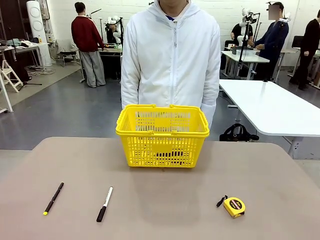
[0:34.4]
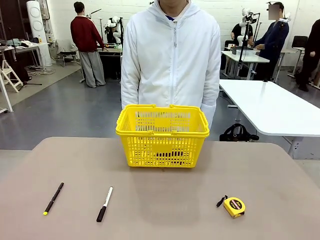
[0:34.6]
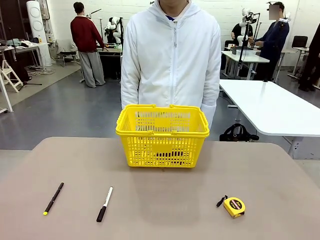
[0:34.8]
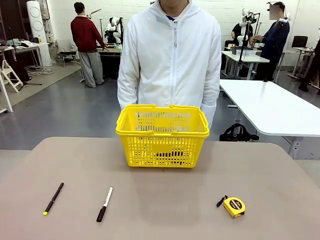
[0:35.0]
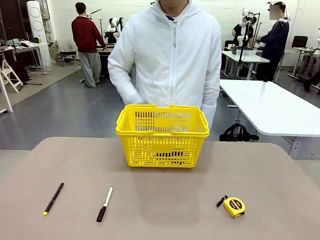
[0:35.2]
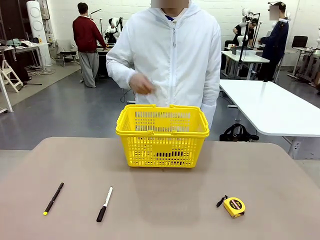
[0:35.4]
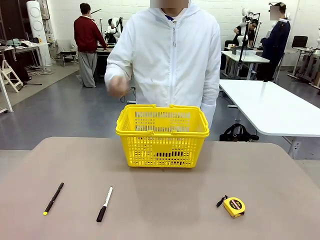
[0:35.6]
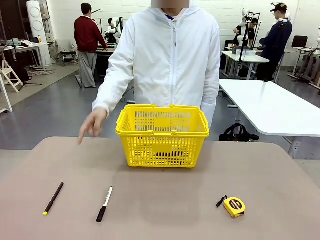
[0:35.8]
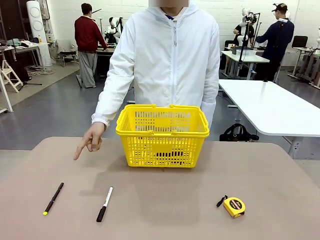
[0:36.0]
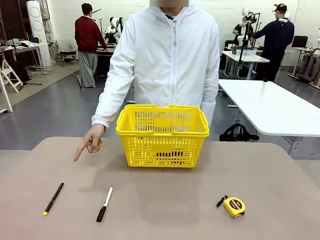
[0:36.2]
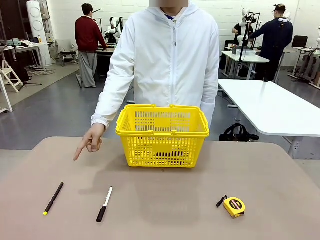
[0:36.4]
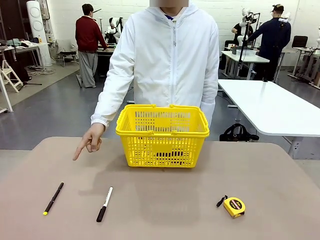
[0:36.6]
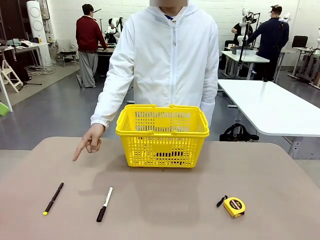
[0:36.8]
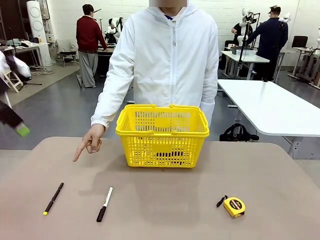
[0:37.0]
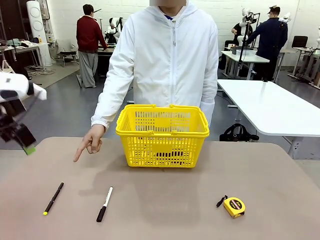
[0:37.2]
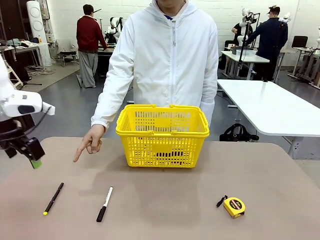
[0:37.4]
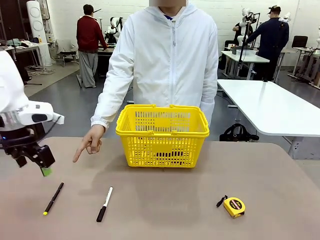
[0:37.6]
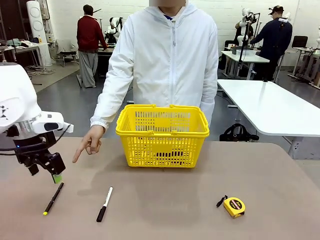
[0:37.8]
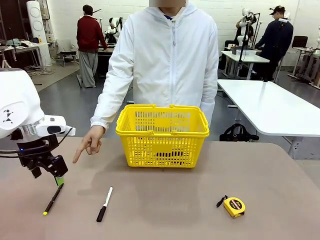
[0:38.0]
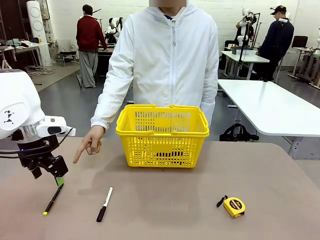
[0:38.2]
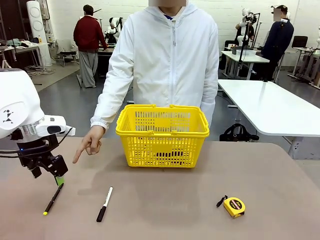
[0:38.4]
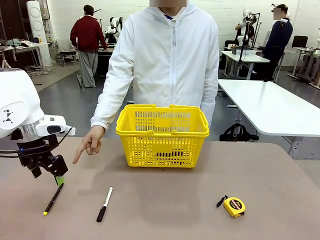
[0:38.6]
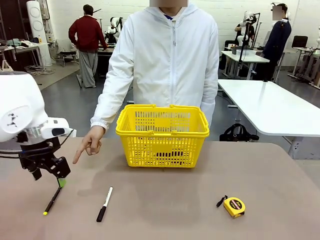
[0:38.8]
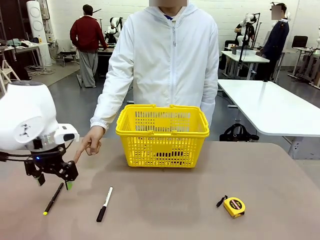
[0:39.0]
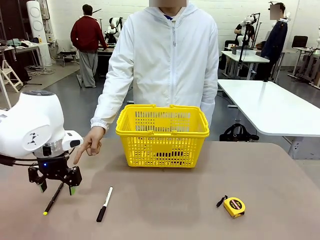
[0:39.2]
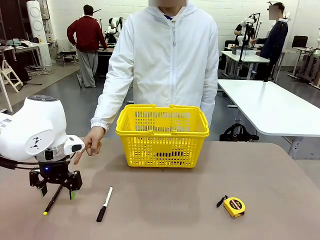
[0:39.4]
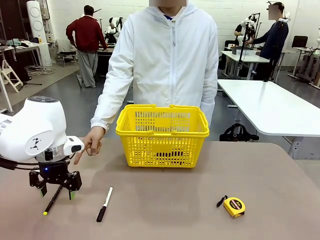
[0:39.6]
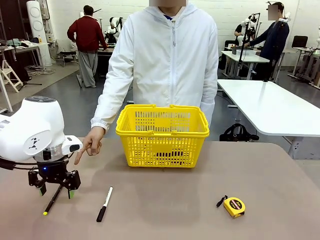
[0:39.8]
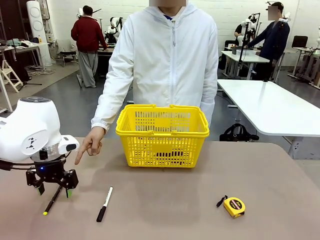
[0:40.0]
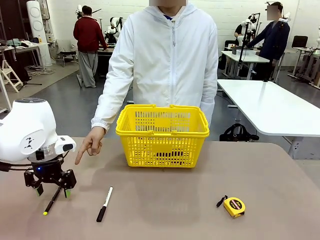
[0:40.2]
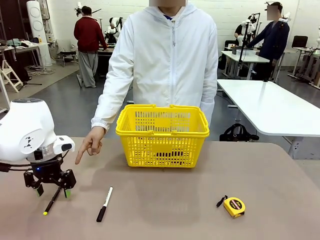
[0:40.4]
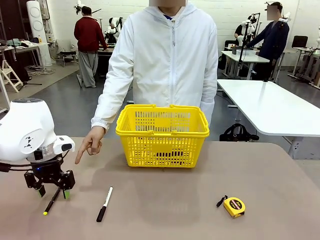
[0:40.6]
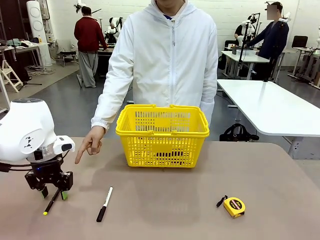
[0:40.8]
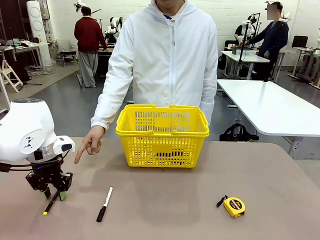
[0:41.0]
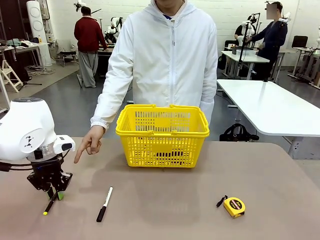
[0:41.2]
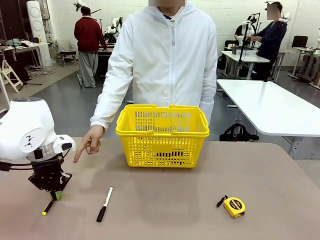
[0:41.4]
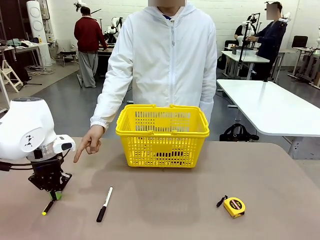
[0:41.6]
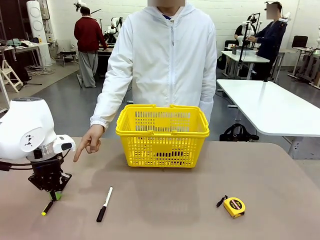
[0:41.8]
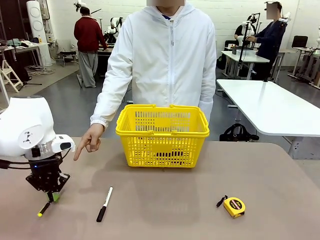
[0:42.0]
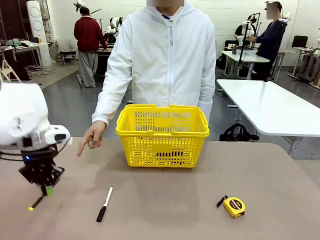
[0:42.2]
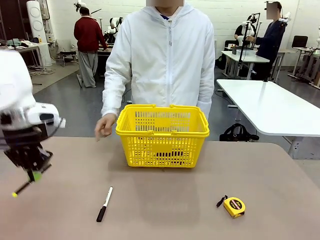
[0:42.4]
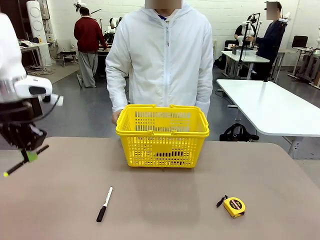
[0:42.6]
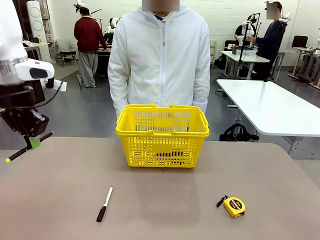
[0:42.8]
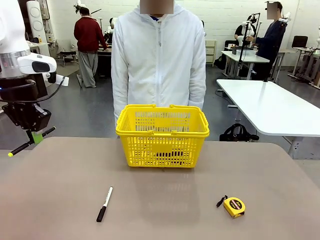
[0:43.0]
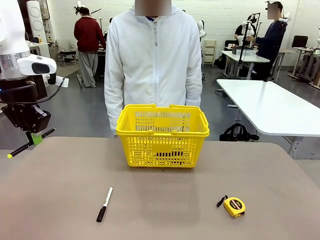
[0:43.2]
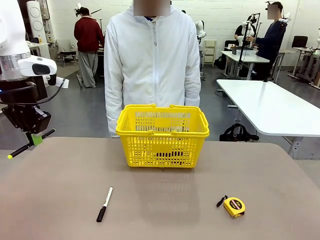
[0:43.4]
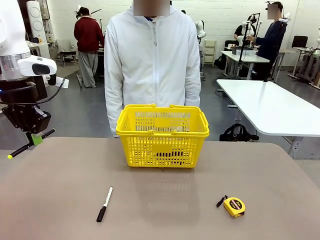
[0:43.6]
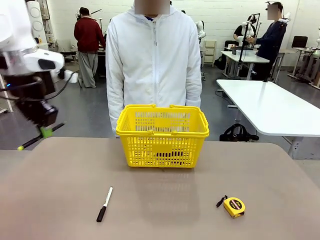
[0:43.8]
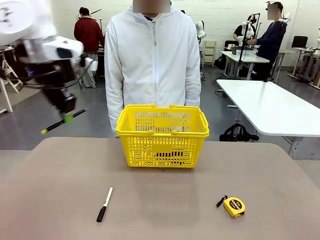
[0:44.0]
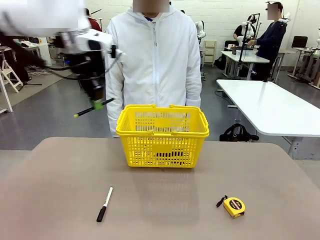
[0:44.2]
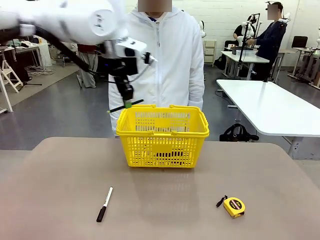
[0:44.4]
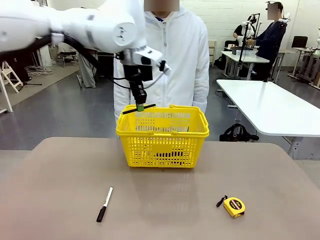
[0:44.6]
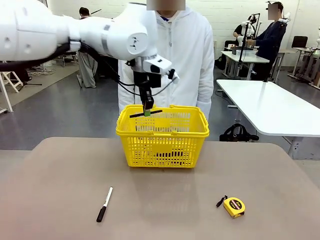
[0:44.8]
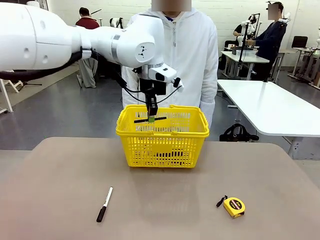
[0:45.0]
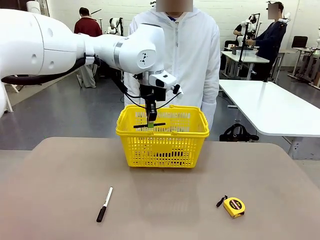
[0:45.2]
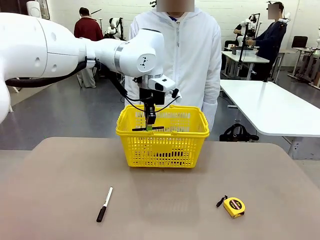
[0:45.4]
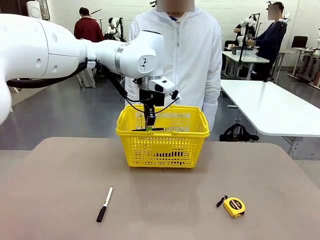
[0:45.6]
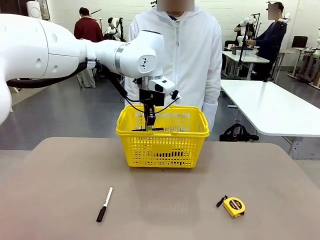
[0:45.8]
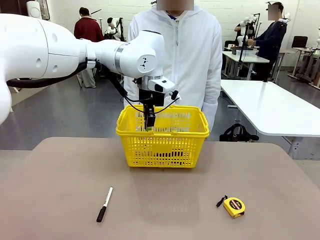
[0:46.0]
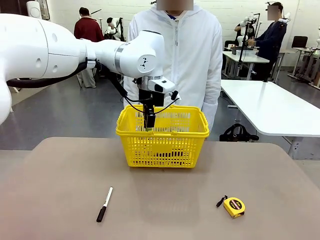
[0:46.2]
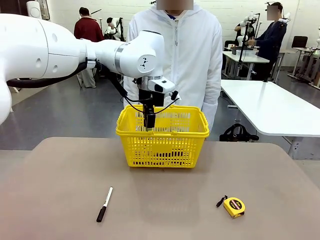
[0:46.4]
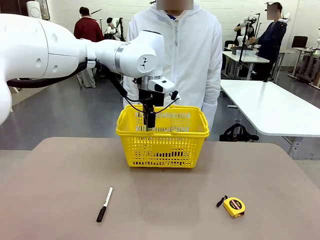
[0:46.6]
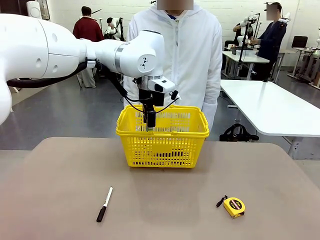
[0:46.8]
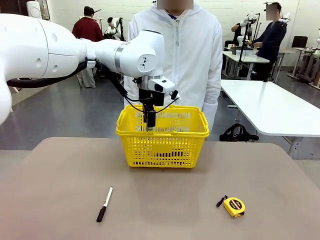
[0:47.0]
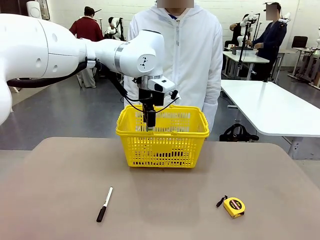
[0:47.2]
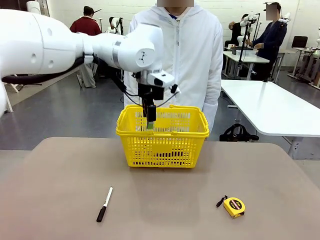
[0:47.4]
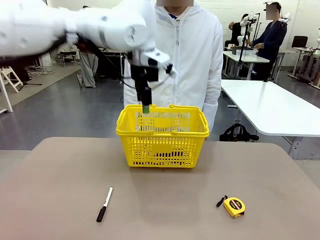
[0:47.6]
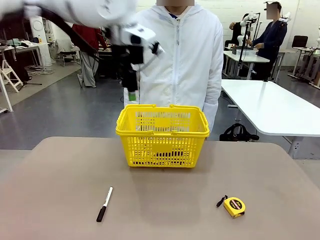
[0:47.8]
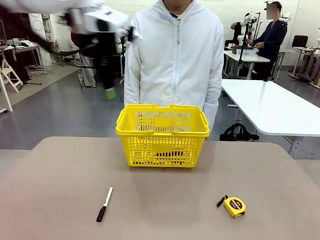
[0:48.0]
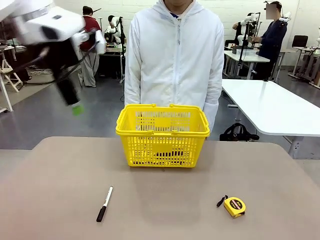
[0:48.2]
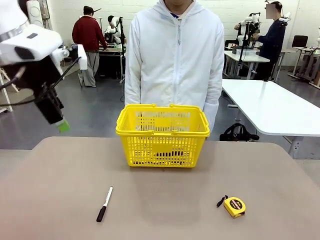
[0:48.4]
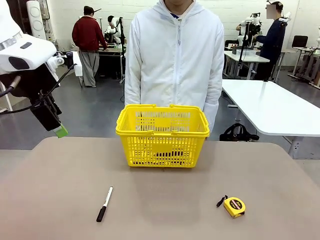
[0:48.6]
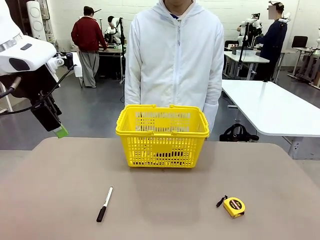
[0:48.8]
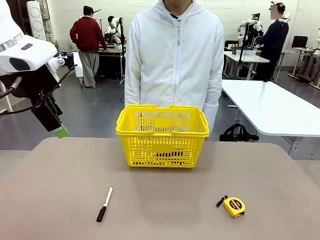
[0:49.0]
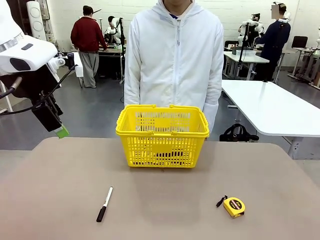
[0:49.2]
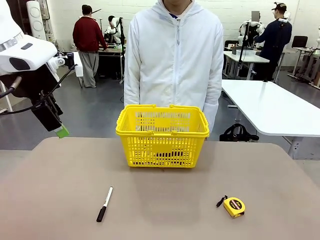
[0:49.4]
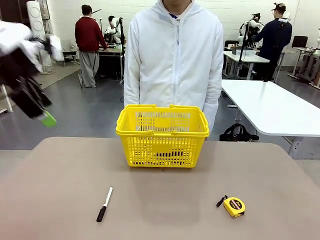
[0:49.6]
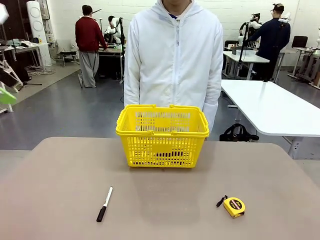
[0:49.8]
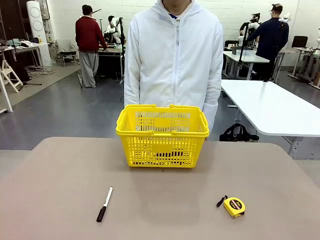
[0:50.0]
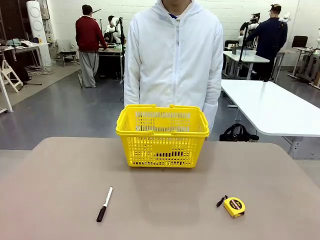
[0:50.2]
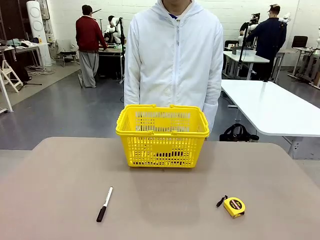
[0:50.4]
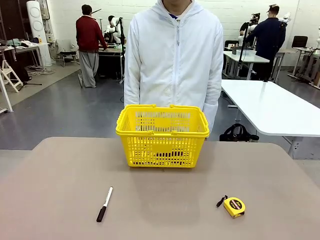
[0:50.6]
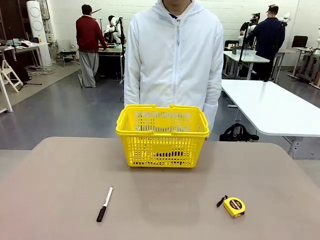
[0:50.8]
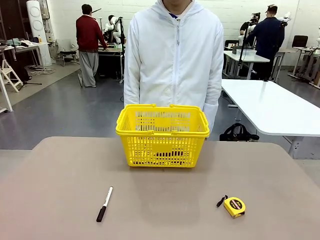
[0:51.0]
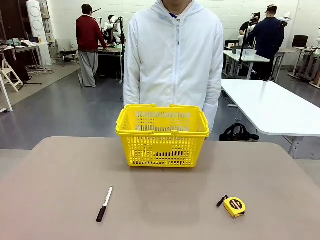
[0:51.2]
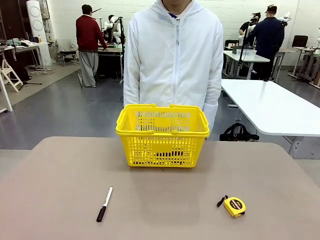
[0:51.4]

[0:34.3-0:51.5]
Task: Place the items the person wants into the basket.
Robot: Pick up the item the person points to and place it in the Market Basket.

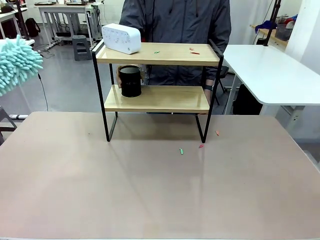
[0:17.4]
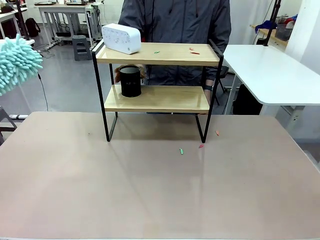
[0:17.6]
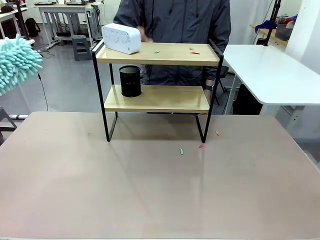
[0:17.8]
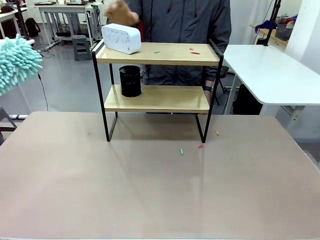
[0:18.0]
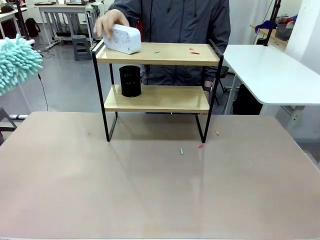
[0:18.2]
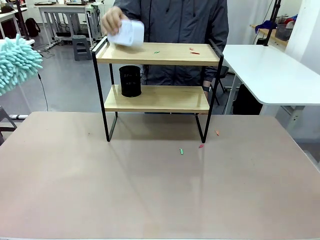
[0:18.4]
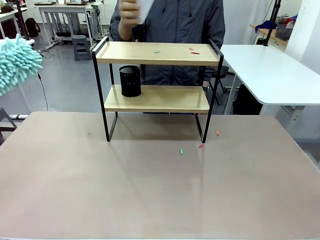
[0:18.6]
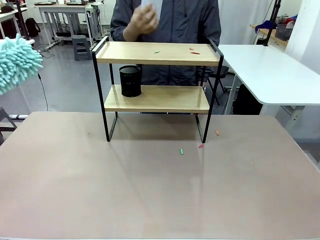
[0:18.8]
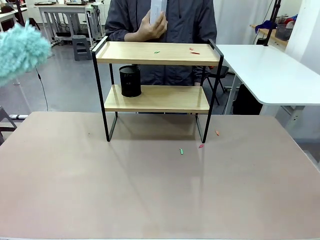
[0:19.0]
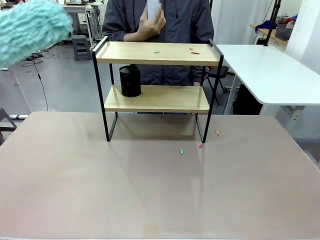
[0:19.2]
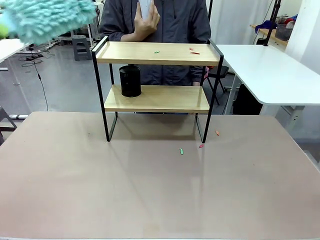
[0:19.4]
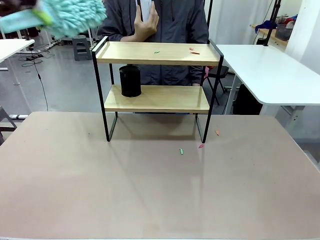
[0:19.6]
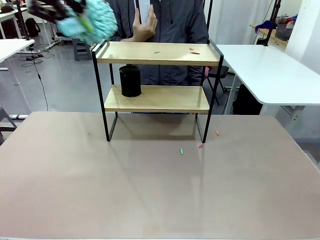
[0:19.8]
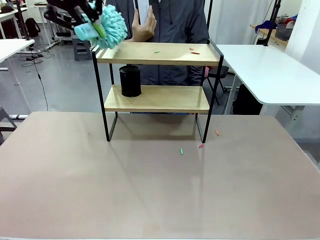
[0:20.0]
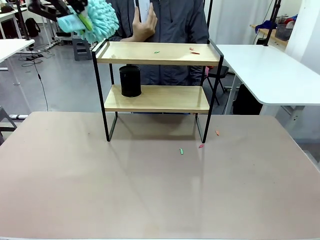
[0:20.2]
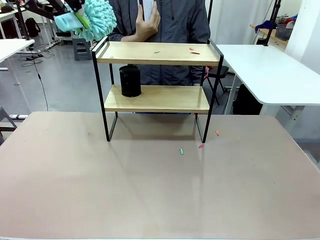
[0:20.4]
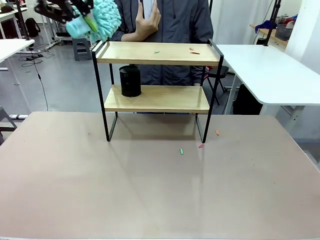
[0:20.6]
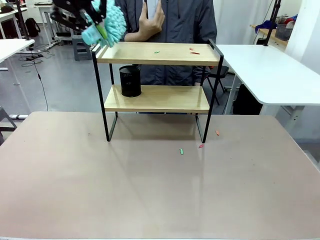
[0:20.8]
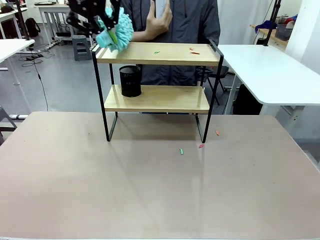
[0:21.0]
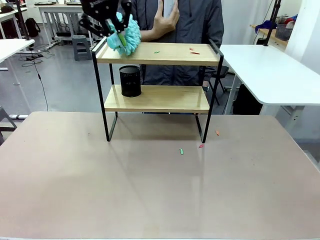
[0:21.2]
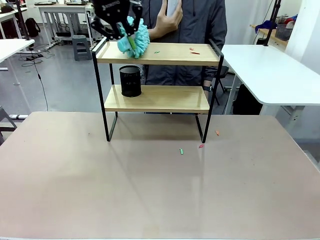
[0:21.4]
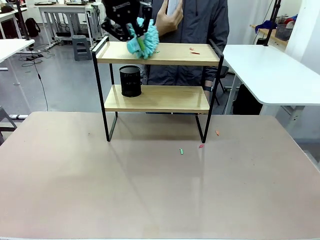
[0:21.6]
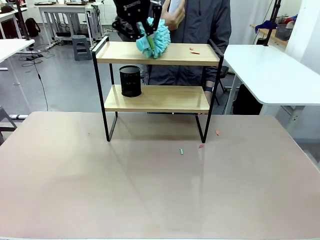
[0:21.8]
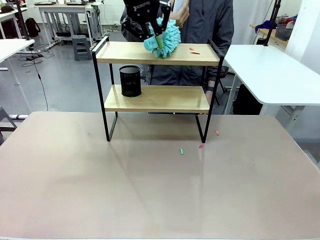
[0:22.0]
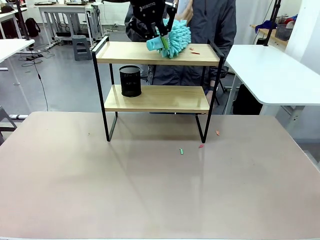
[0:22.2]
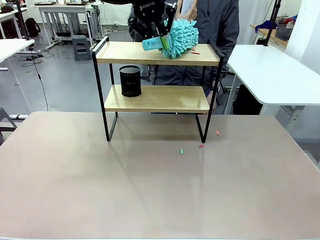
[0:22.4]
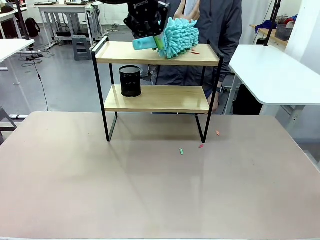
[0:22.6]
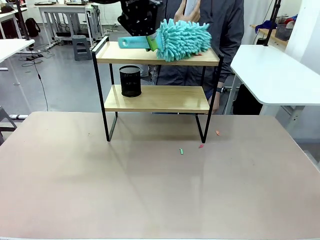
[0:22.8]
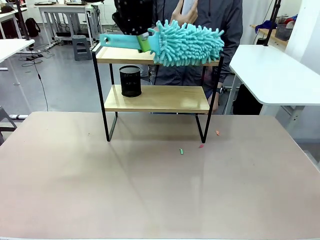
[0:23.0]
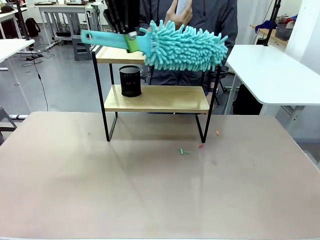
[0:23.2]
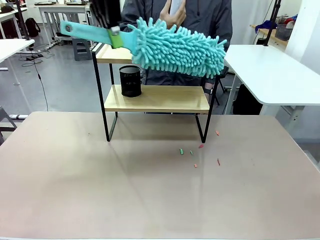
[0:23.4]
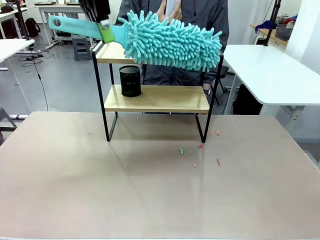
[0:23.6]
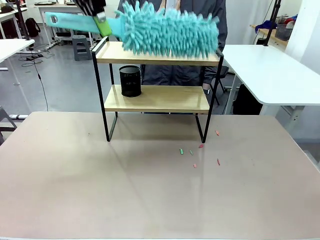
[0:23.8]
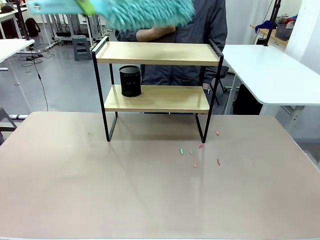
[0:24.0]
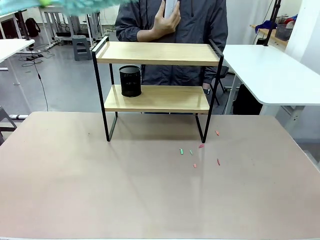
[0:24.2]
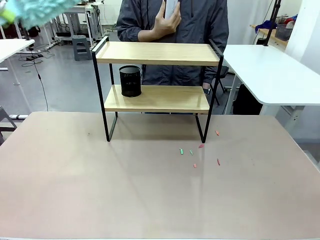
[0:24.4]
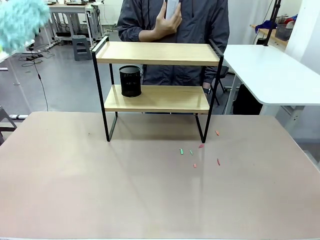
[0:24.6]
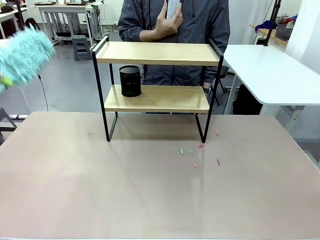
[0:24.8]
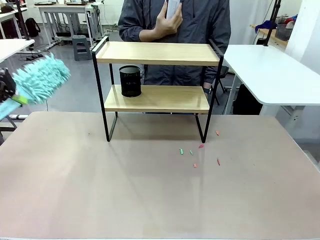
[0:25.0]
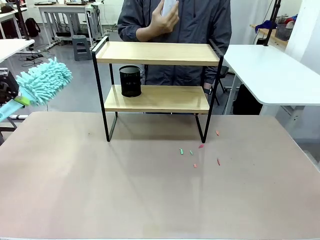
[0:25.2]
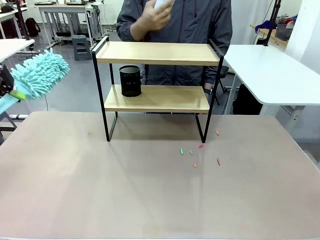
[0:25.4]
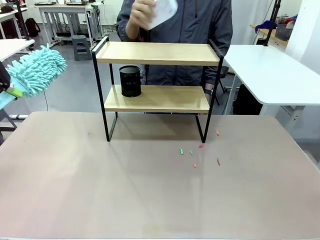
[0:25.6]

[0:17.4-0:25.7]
Task: Clean the shelf.
Robot: Clean the remaining tier of the Shelf with the Duster once objects are removed.
